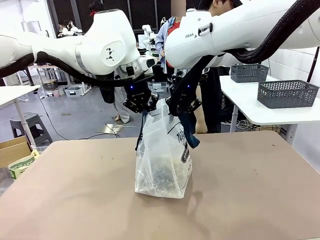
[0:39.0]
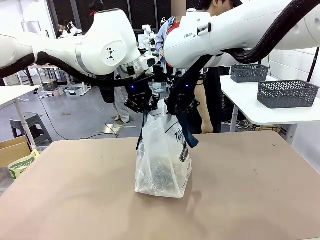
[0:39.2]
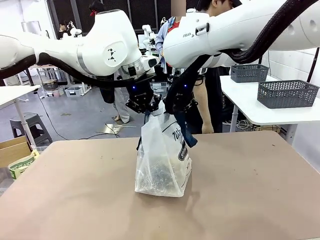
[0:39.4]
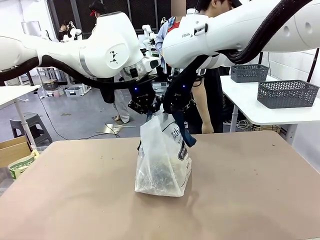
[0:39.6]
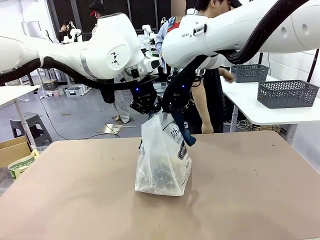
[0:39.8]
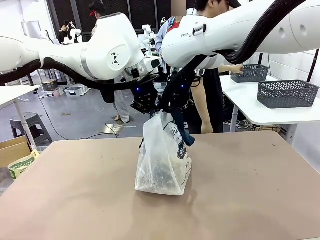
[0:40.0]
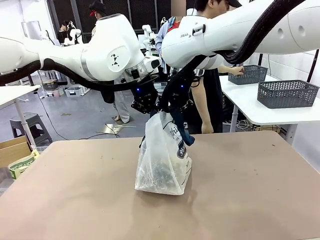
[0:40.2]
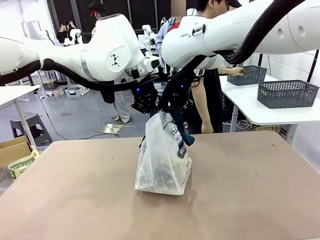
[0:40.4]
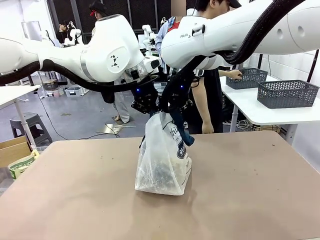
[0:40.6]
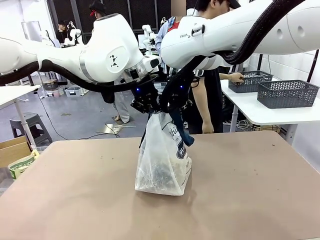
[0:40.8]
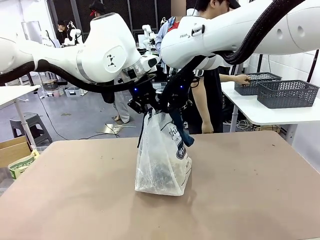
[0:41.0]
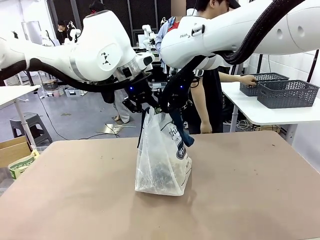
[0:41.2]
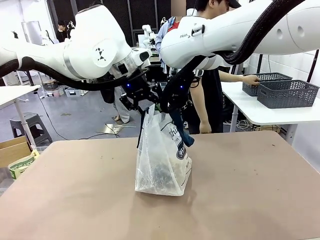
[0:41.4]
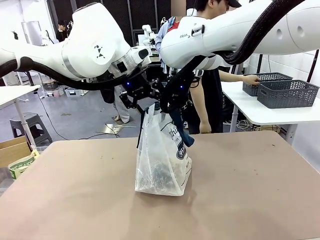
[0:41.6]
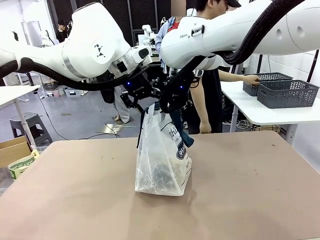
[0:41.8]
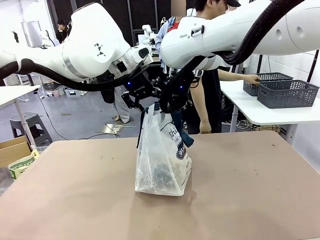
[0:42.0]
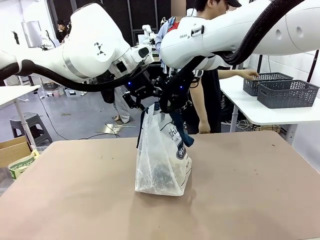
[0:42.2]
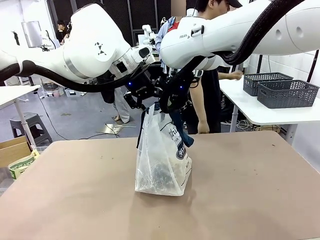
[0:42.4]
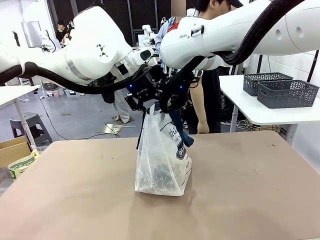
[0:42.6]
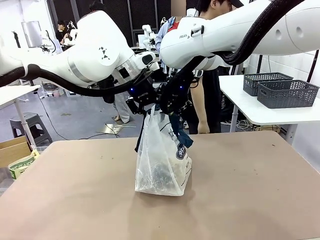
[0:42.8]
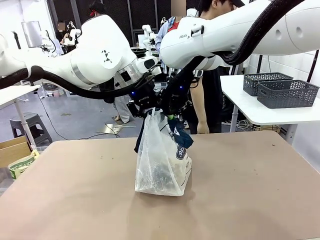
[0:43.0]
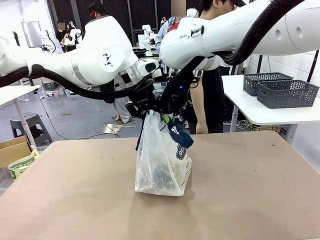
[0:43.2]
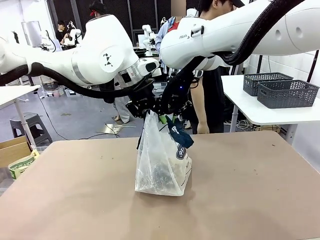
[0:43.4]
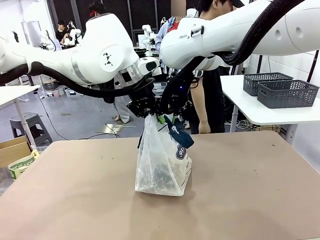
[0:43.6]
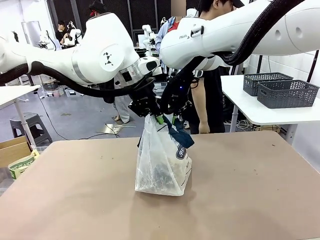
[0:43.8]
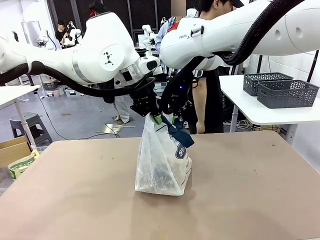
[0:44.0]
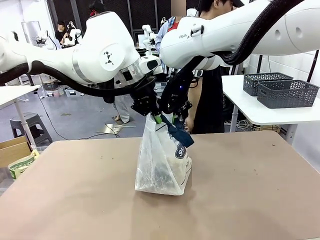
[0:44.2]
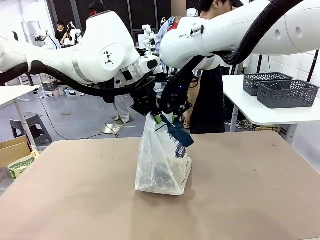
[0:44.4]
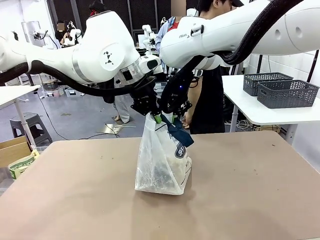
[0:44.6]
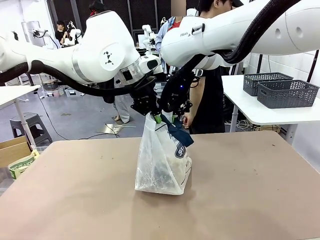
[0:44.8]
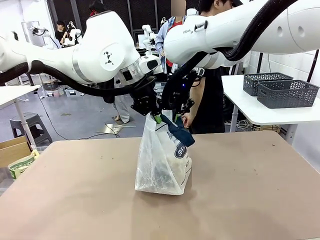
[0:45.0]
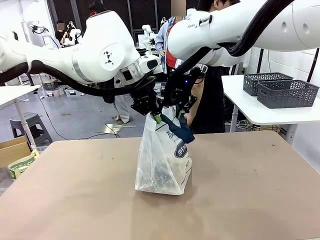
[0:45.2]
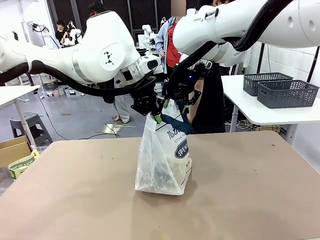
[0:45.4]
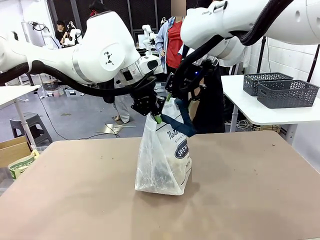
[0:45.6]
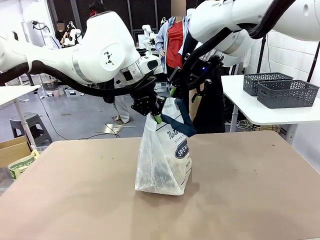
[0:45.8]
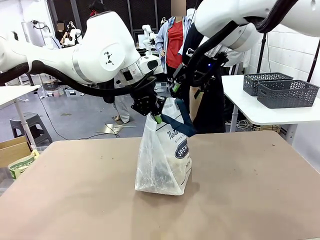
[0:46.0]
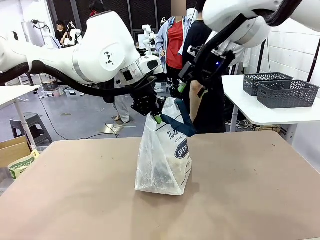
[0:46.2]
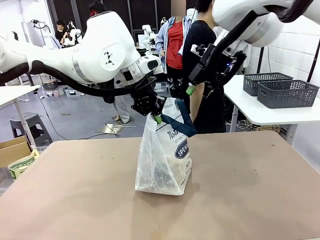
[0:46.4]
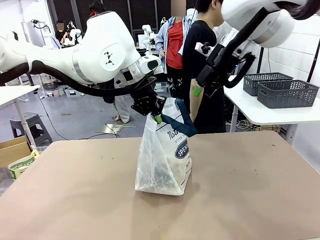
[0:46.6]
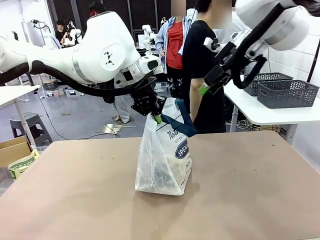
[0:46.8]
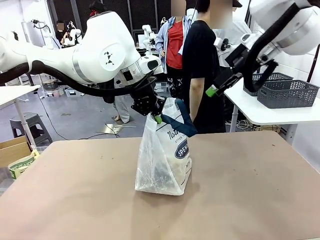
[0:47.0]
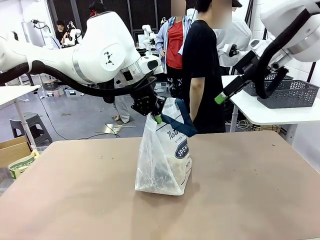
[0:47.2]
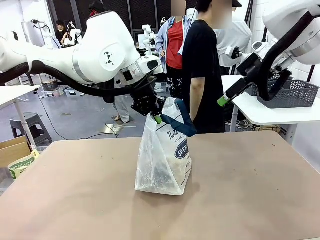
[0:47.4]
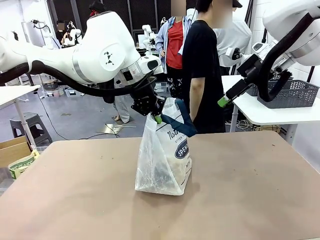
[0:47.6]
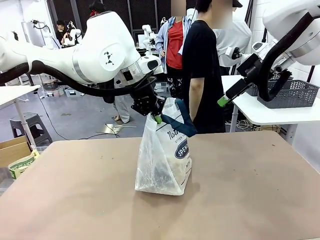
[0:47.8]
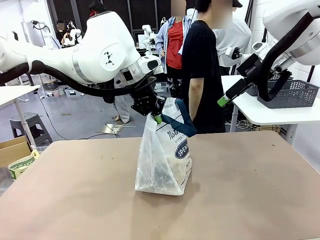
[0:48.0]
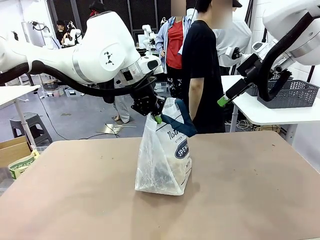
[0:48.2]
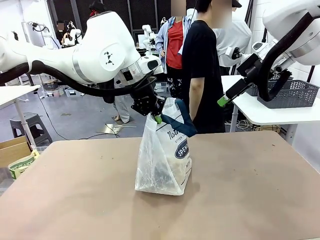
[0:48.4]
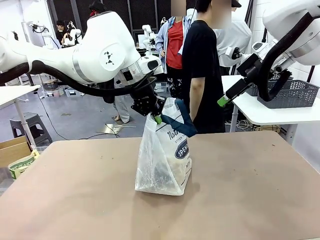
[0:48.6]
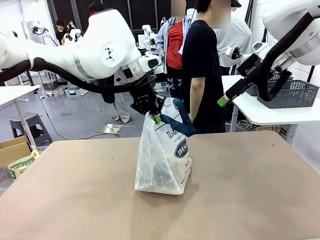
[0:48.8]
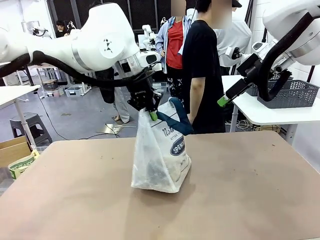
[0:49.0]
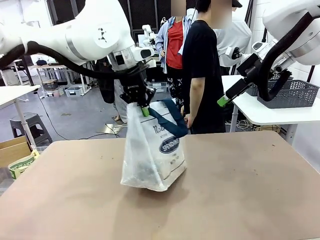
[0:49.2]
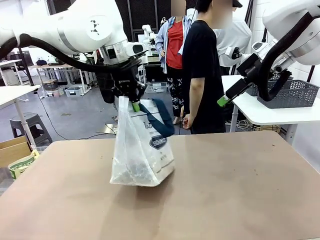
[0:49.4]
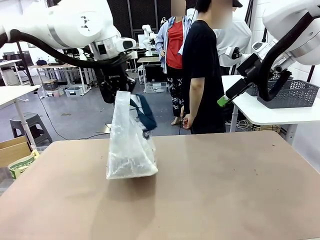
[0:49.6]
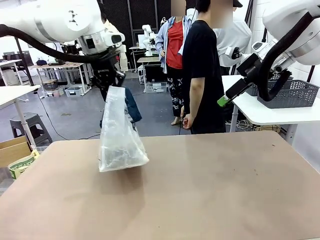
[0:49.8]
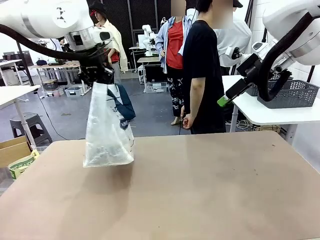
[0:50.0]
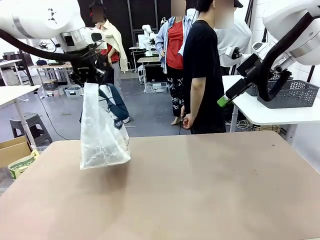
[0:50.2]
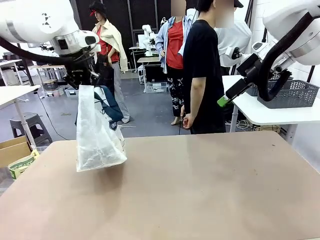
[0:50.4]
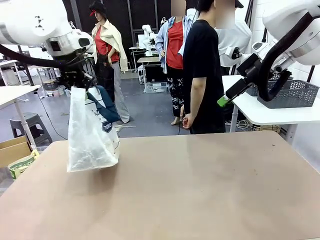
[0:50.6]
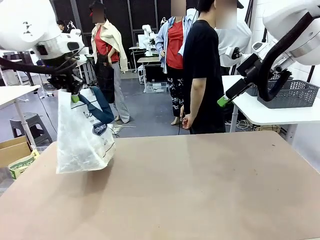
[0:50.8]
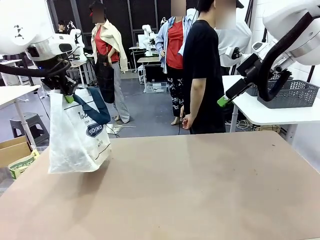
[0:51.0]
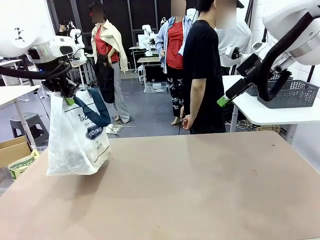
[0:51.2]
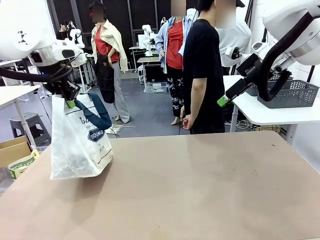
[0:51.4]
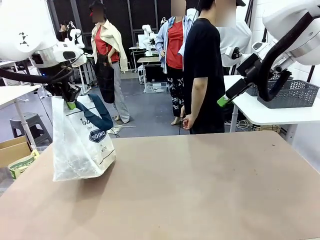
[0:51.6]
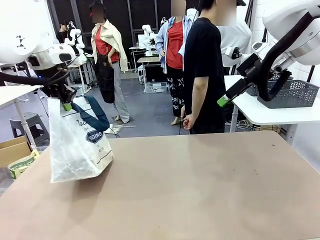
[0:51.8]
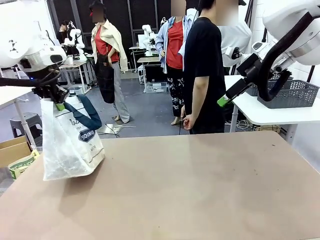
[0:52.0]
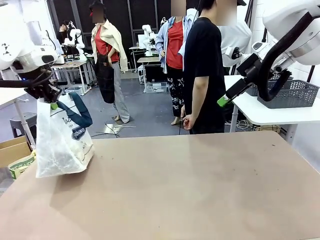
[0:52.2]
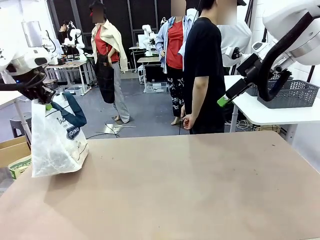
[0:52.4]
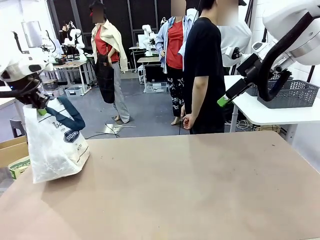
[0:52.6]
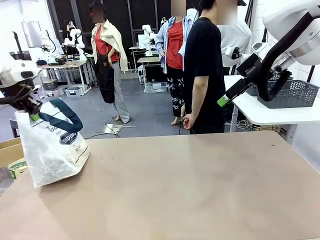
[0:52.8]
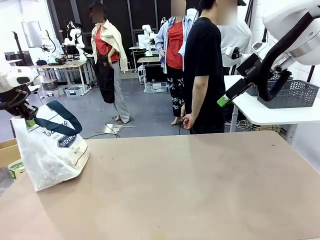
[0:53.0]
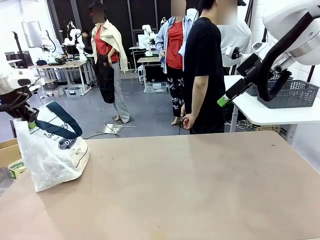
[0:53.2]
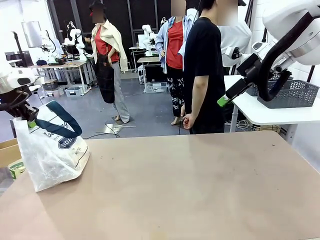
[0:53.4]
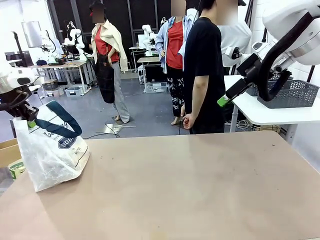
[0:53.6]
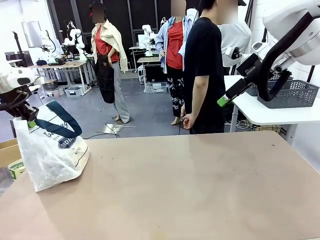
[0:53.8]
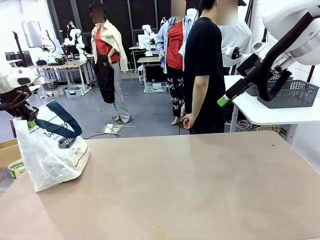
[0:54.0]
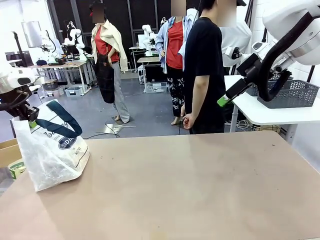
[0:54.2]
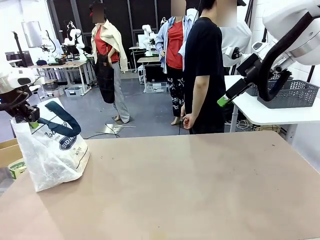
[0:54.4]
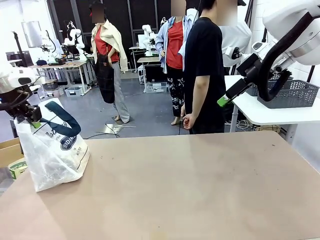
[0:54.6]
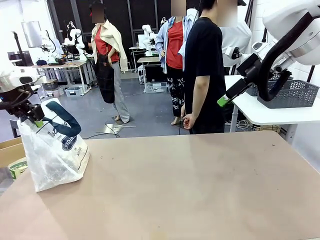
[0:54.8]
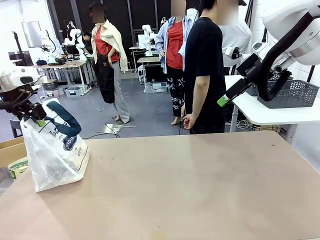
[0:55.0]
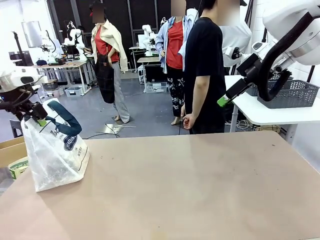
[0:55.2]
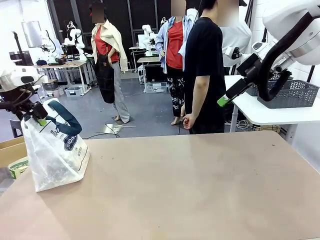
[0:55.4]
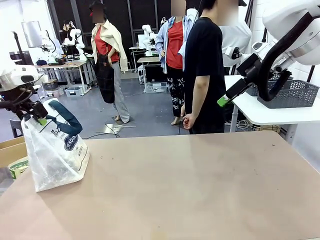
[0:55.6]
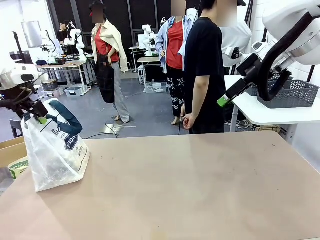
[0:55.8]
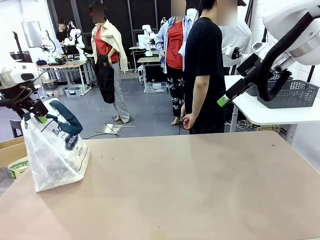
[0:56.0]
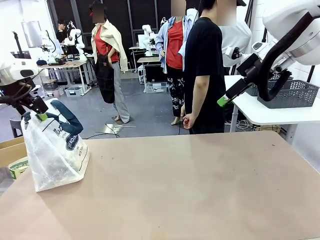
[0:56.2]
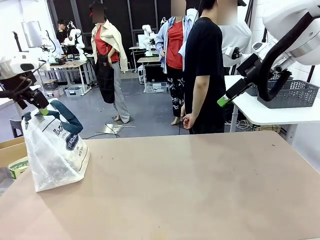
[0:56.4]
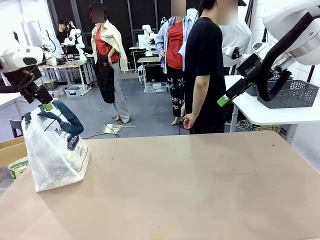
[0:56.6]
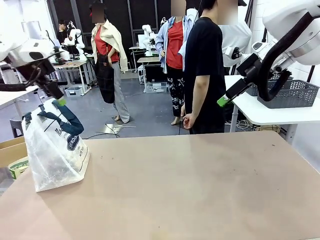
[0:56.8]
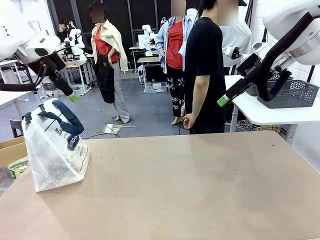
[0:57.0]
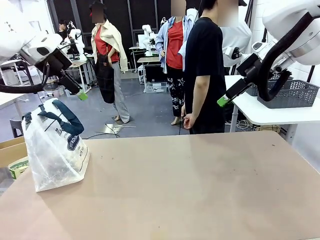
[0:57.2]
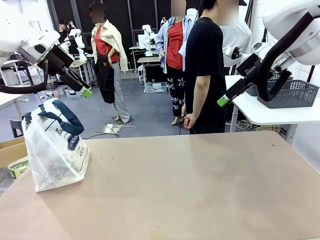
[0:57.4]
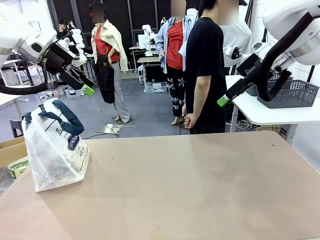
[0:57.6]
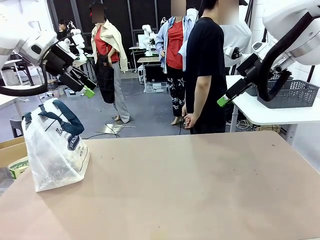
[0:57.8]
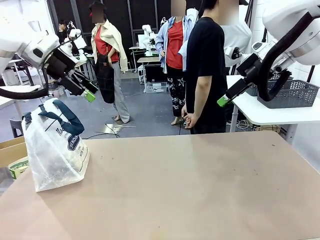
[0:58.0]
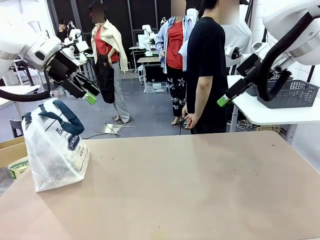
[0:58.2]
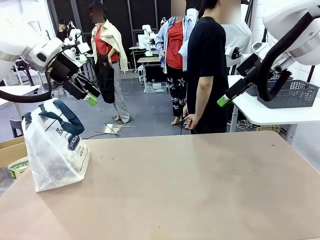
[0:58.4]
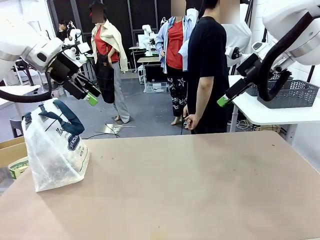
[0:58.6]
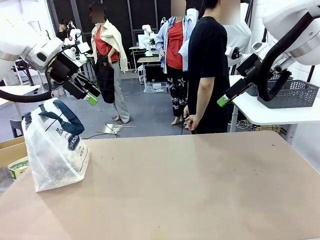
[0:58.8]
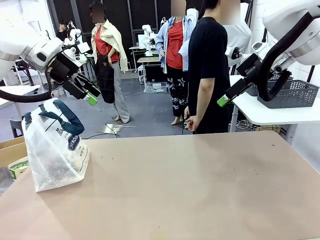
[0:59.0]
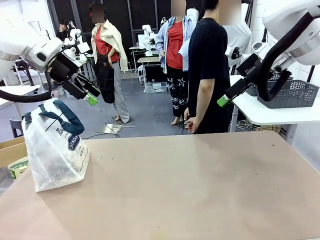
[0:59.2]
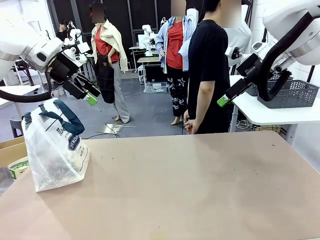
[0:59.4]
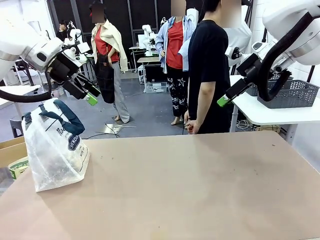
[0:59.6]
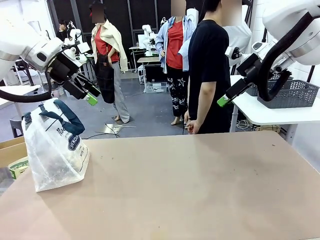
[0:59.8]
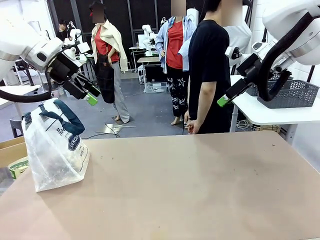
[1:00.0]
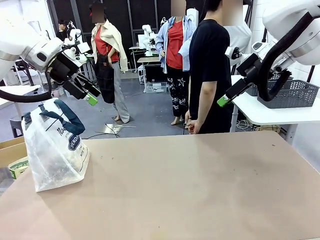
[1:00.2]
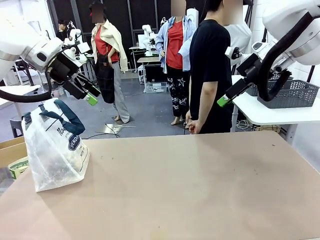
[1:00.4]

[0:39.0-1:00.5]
Task: Transfer purchased items from the store into the shopping bag.
Robot: Move the Reusable shopping bag to the right side of the table.
Person: Move the basket on the left to the middle of the person's table.
